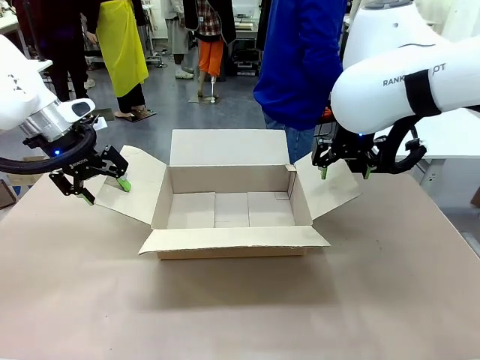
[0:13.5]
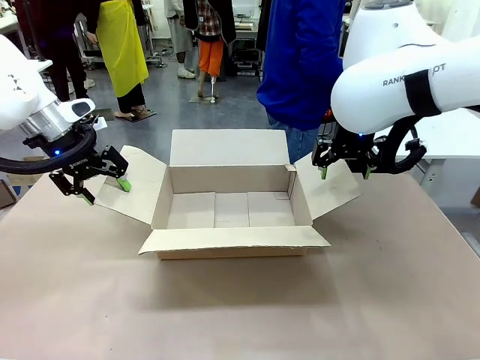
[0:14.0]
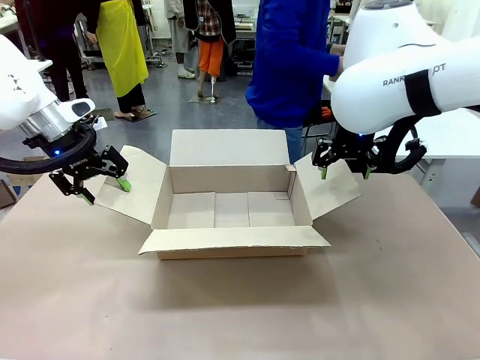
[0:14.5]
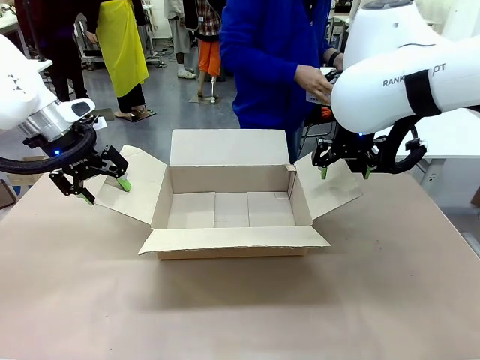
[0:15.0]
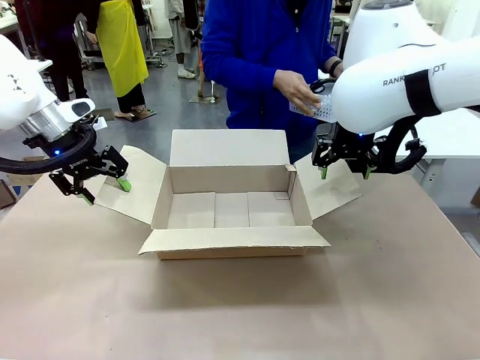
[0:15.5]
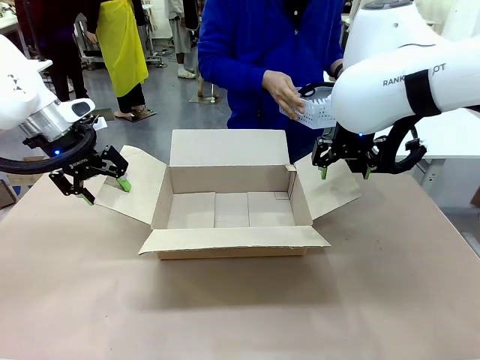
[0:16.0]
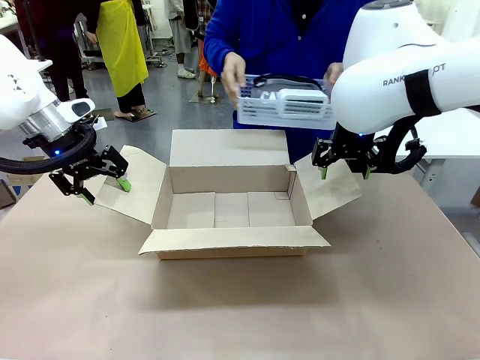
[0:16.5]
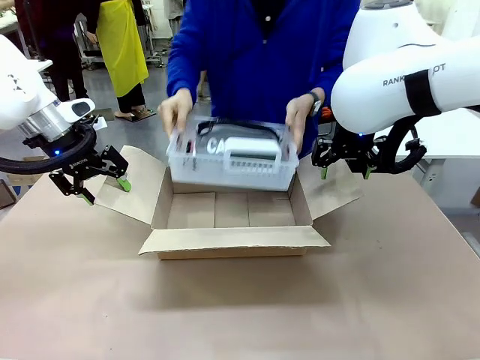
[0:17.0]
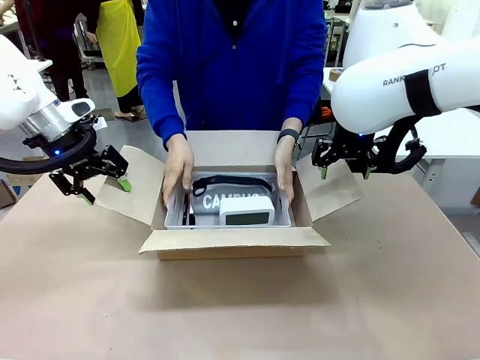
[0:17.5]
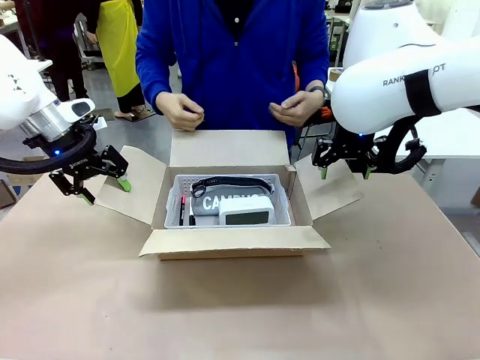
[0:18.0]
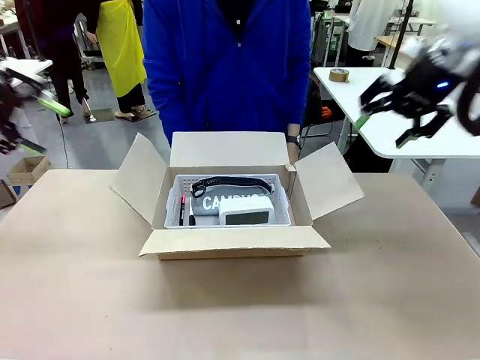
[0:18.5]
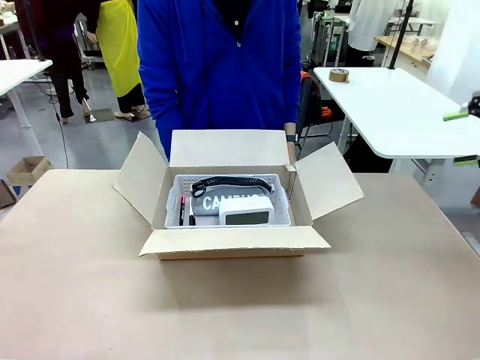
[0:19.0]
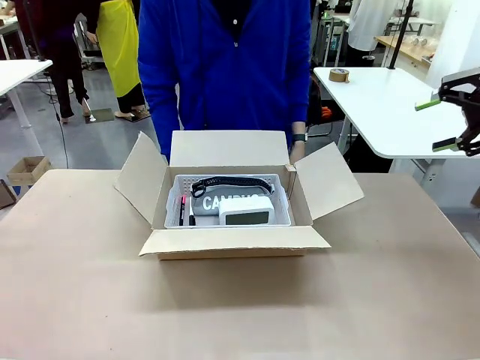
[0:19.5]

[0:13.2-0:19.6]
Task: Pack the gift set into the box.
Robot: Lift both hands away from the flaps of the Package Box.
Person: The human picks up the organizing basket and places the organizing basket into the package box on the robot table.

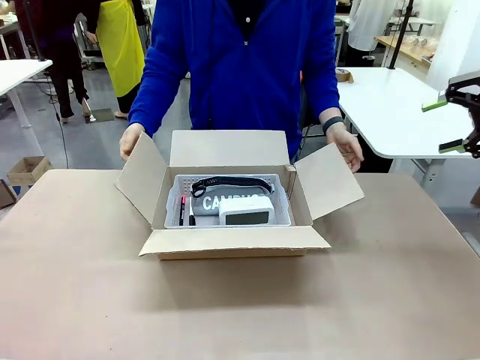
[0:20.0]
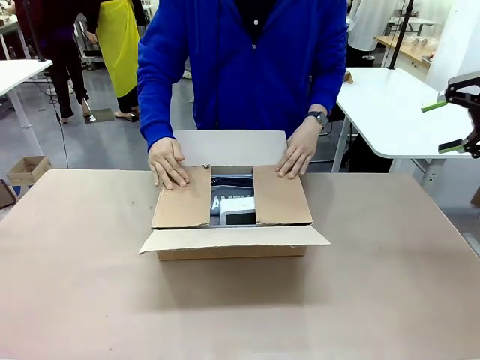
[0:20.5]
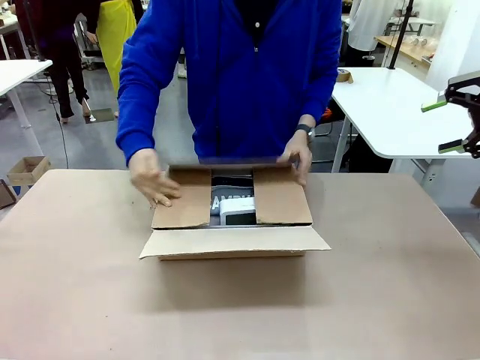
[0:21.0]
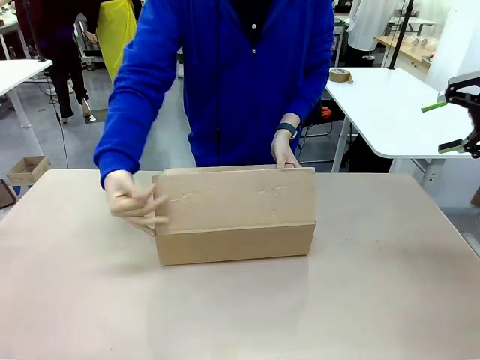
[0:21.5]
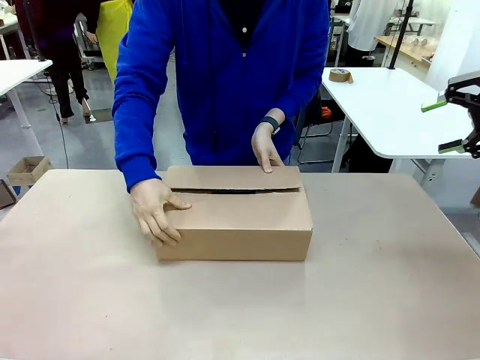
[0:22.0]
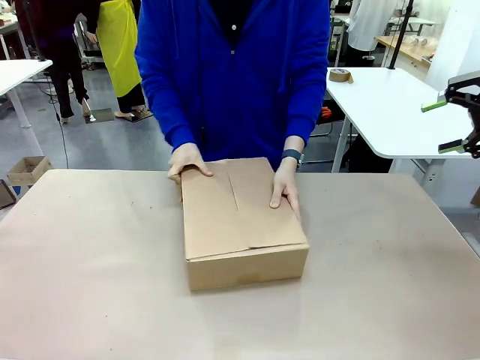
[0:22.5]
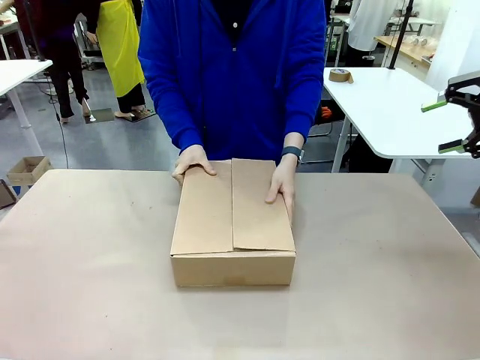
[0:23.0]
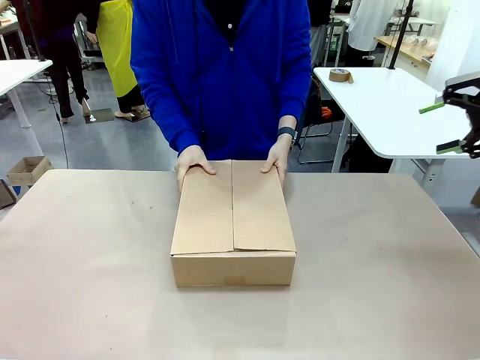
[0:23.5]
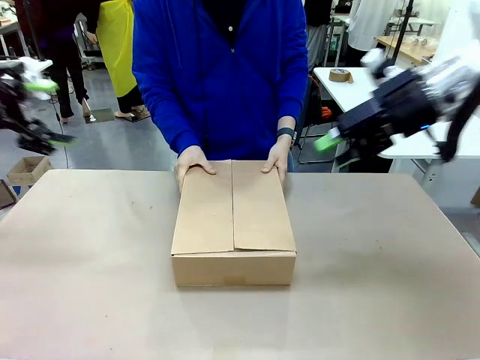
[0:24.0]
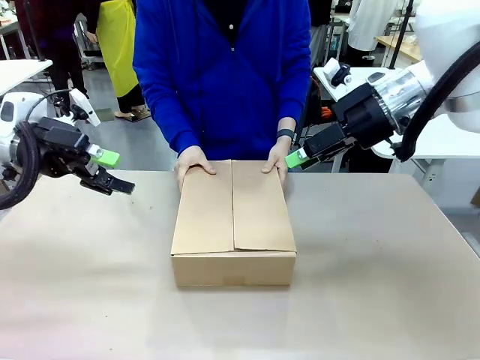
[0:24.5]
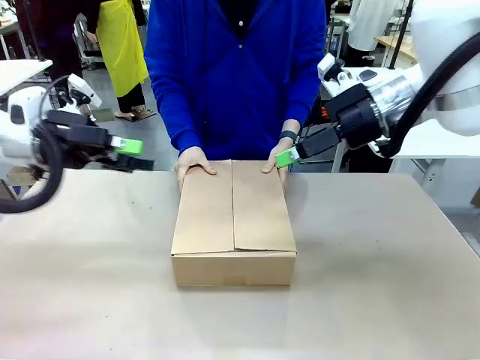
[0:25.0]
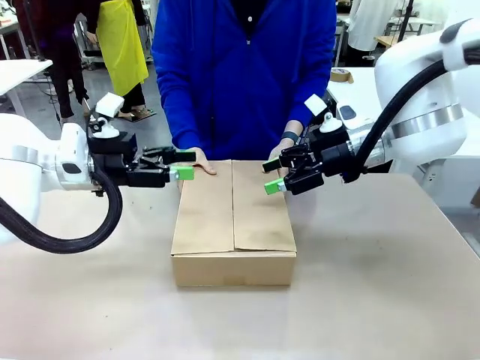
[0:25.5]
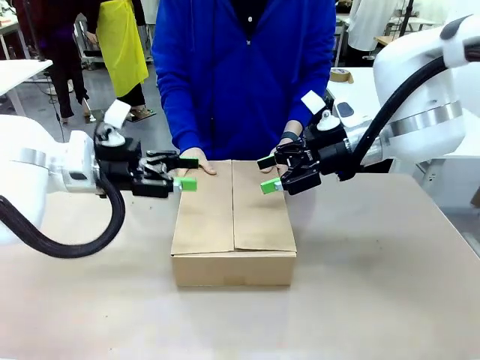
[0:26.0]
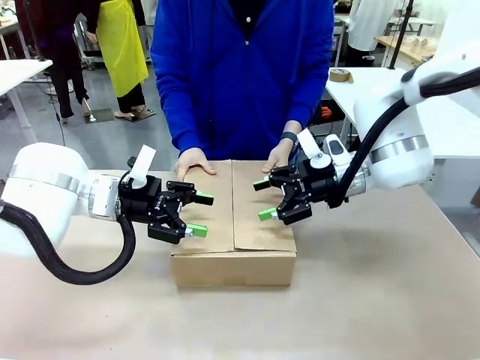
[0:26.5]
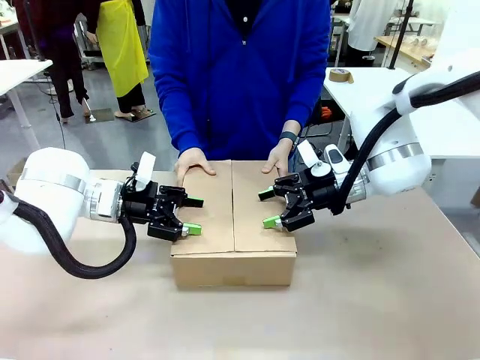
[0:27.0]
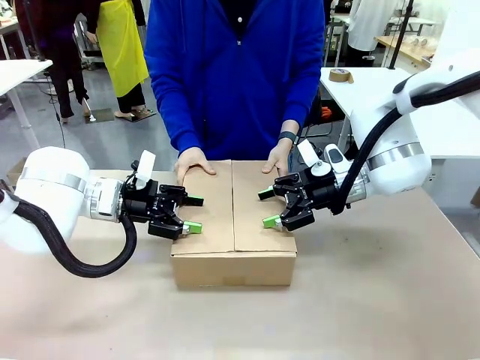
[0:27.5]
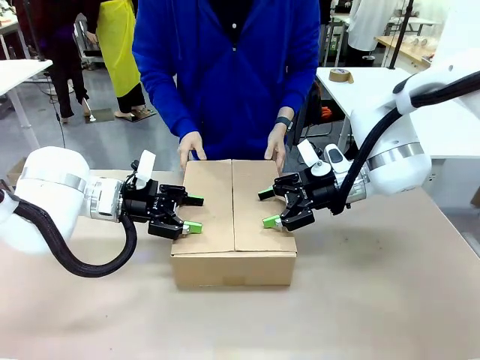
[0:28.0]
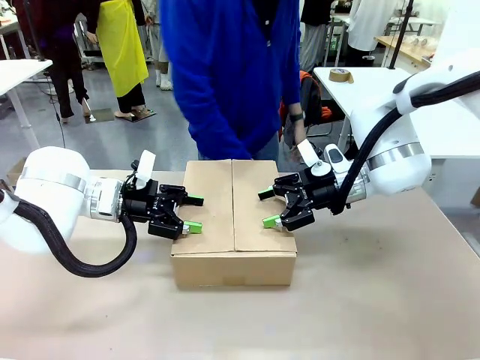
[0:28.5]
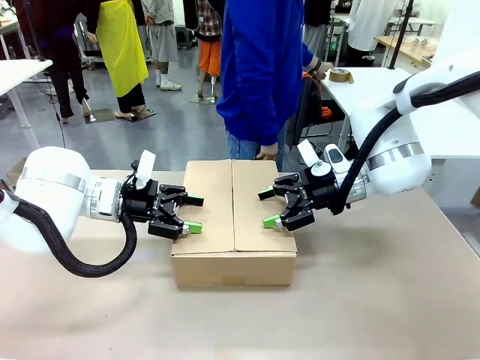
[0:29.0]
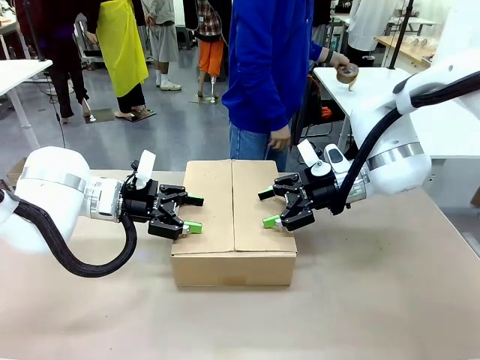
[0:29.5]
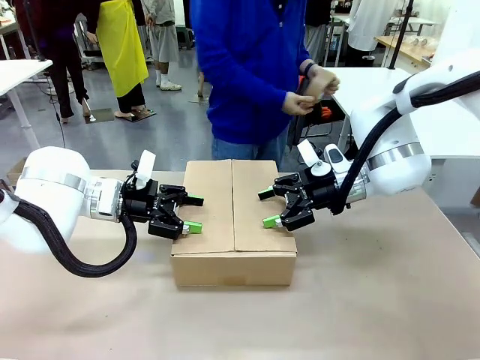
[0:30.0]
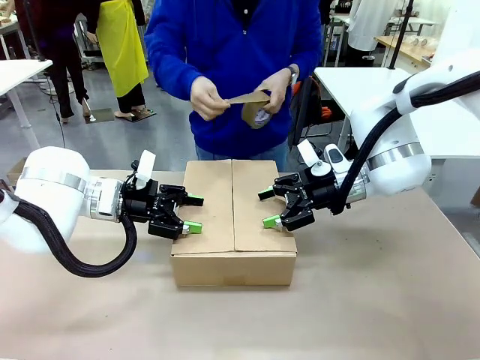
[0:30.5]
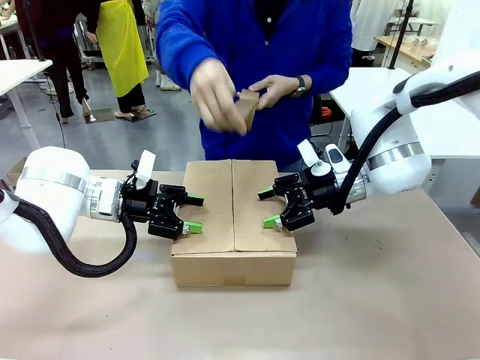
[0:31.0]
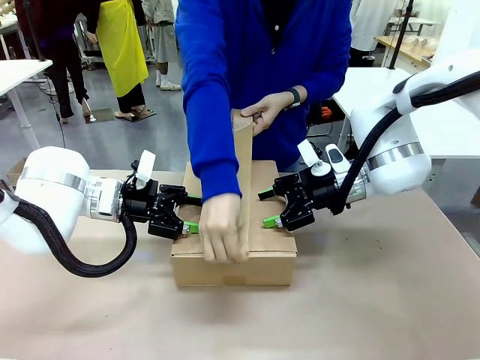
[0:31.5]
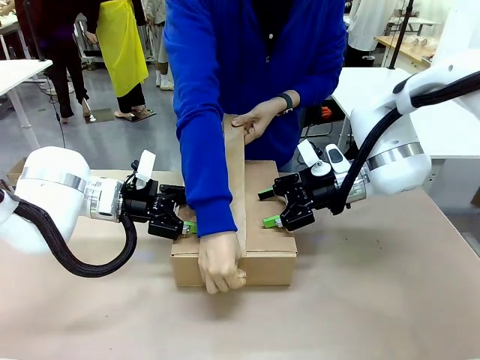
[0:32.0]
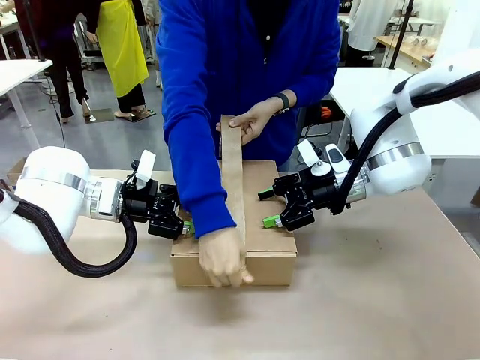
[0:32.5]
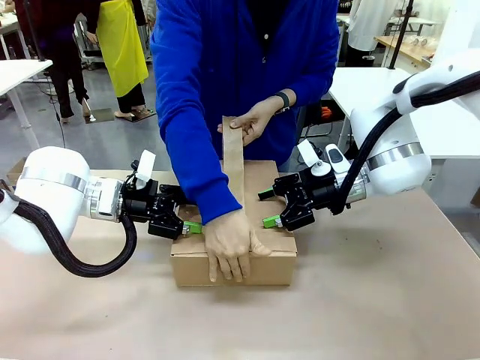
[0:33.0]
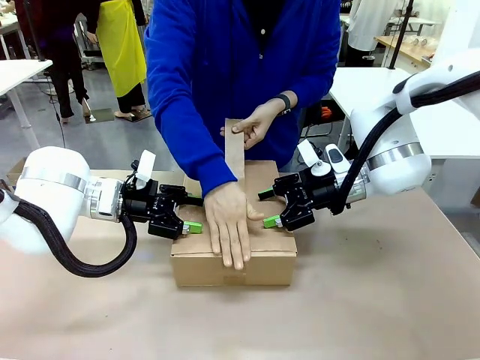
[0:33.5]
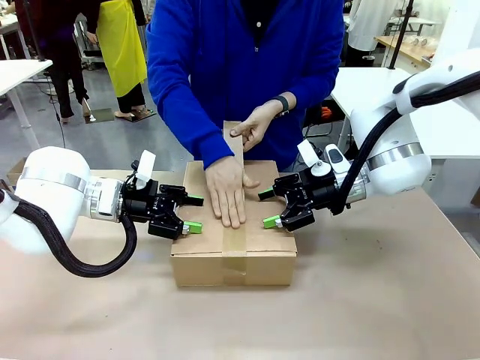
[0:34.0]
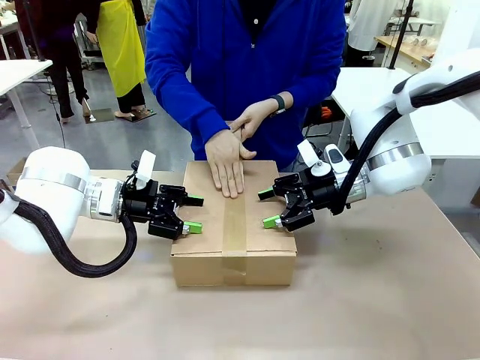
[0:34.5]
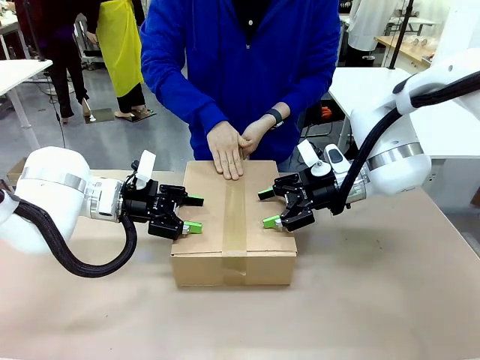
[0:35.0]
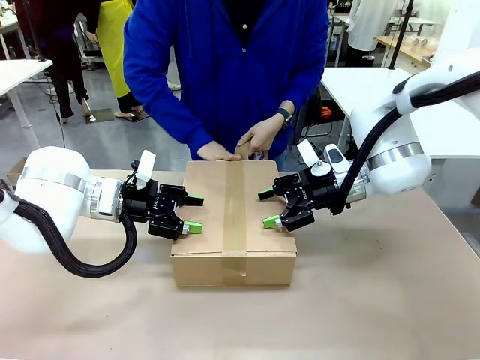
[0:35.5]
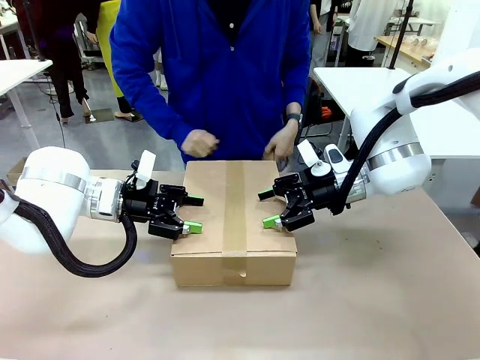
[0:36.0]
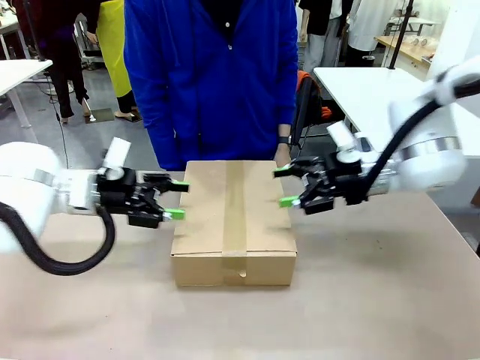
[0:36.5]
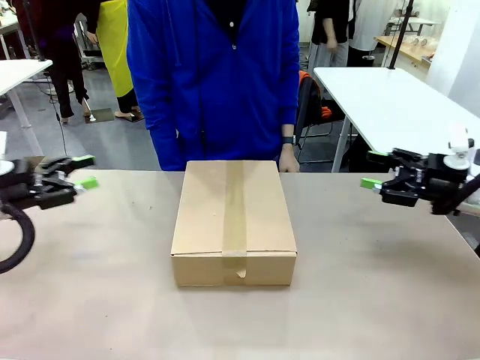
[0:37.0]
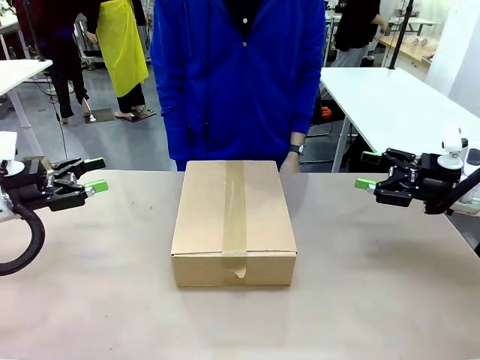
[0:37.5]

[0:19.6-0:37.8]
Robot: Press and hold the closed box until the human finishes sealing it.
Person: The human closes the box and rotates the box by 90 degrees. The human picks up the paper tape from the human table and packs the box.
